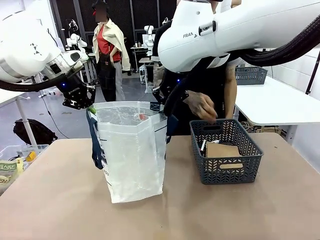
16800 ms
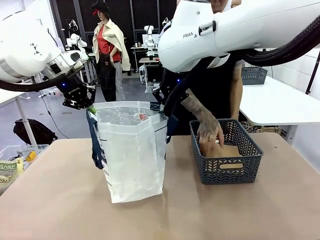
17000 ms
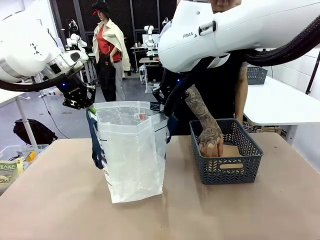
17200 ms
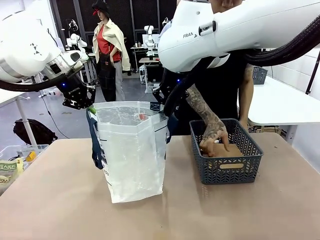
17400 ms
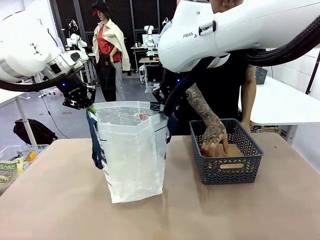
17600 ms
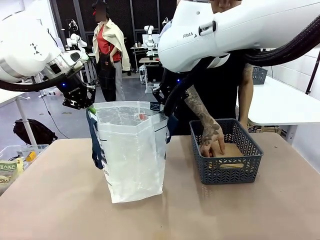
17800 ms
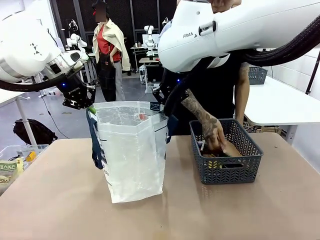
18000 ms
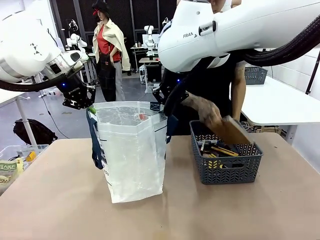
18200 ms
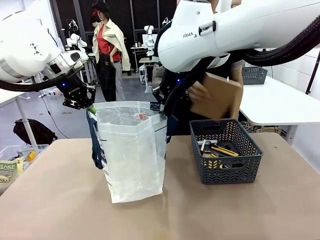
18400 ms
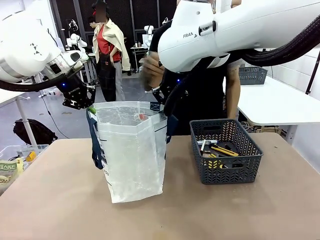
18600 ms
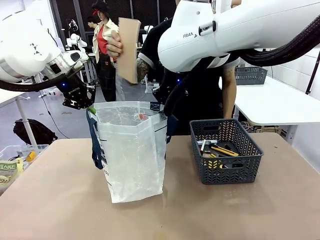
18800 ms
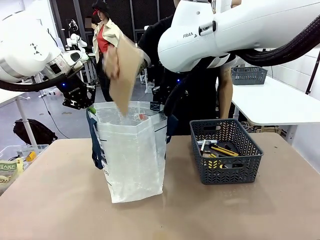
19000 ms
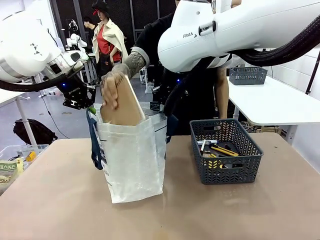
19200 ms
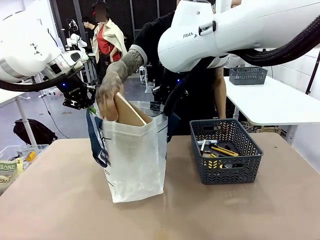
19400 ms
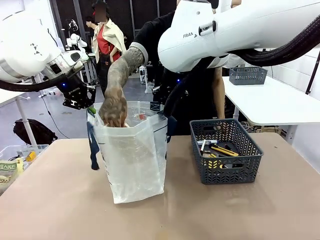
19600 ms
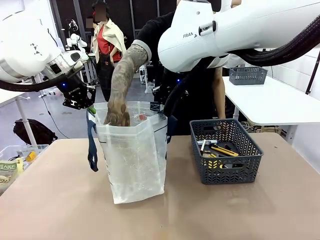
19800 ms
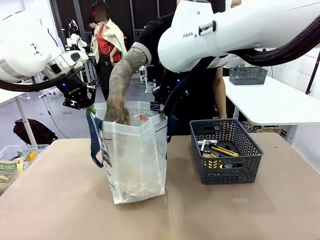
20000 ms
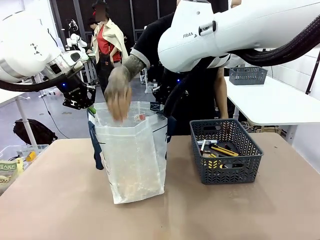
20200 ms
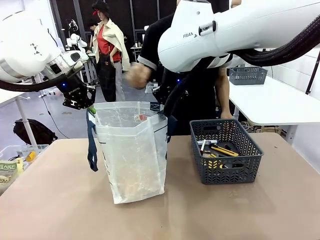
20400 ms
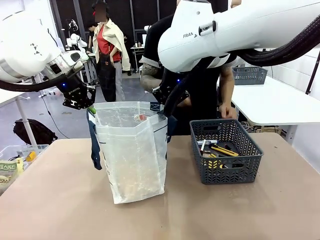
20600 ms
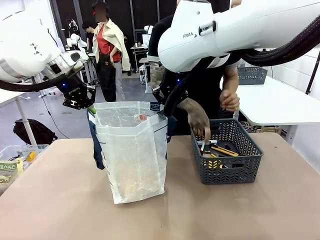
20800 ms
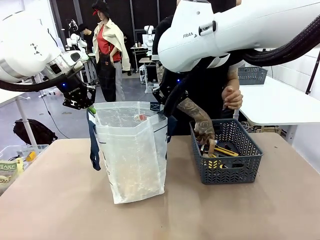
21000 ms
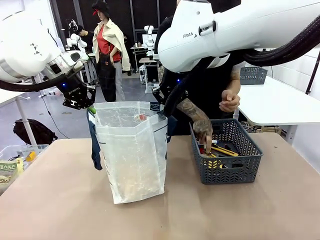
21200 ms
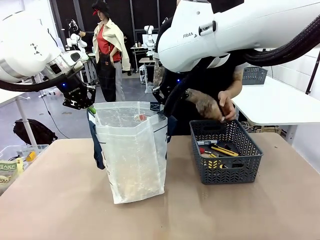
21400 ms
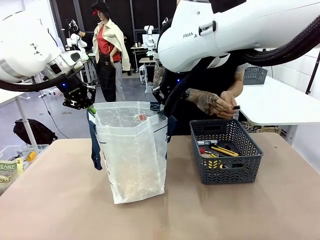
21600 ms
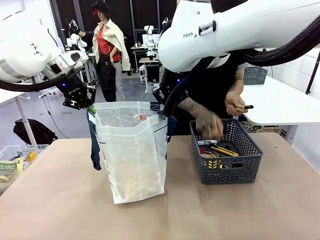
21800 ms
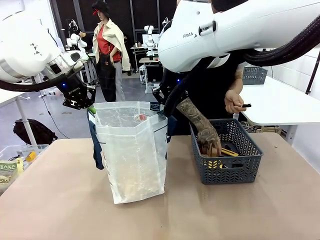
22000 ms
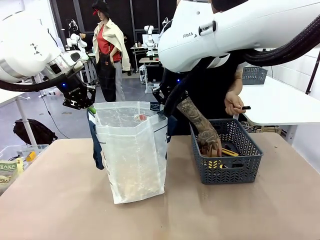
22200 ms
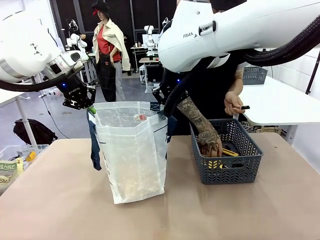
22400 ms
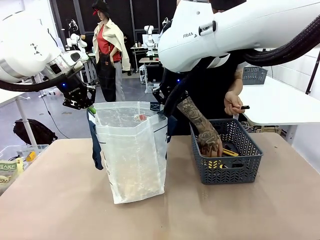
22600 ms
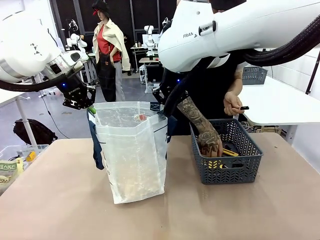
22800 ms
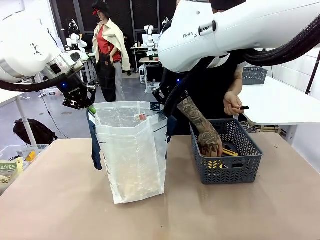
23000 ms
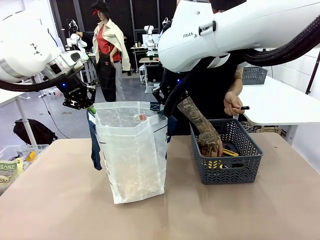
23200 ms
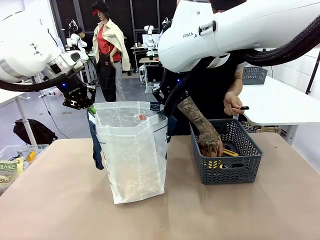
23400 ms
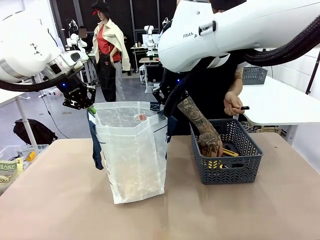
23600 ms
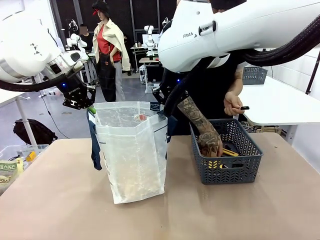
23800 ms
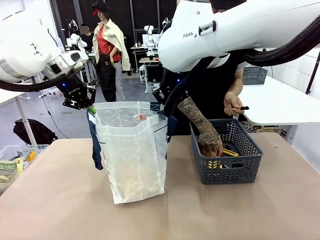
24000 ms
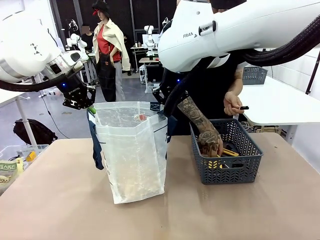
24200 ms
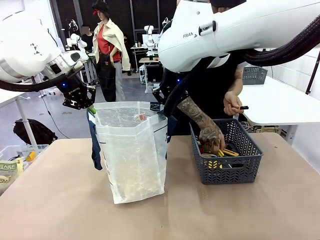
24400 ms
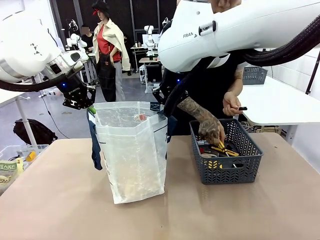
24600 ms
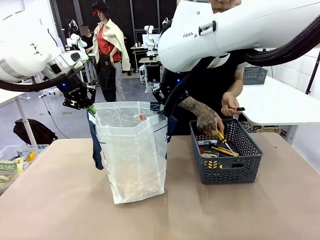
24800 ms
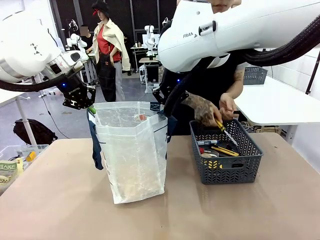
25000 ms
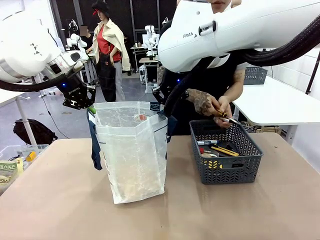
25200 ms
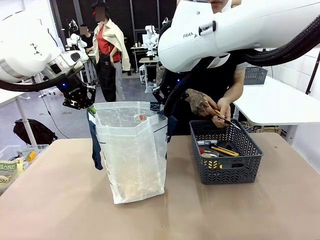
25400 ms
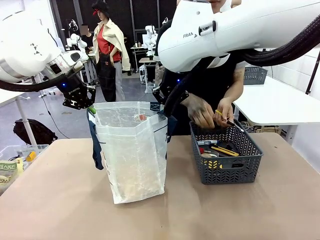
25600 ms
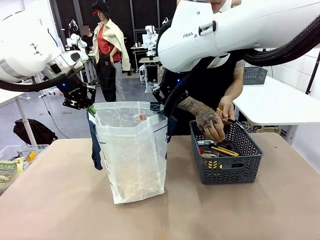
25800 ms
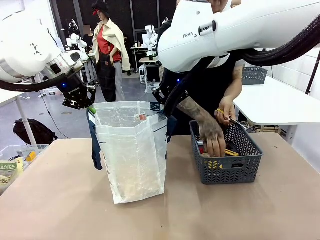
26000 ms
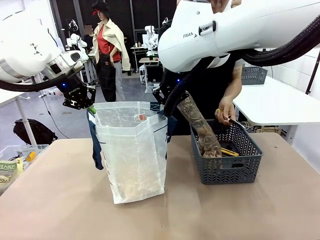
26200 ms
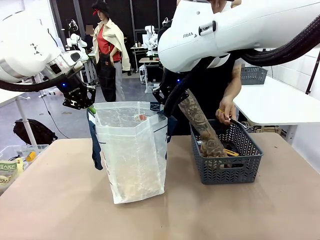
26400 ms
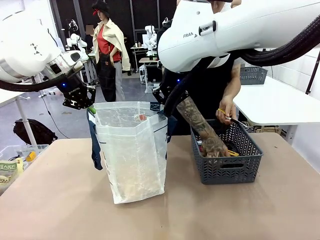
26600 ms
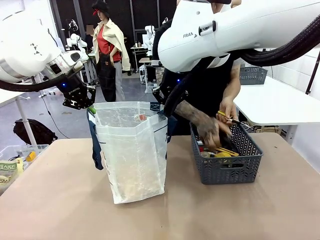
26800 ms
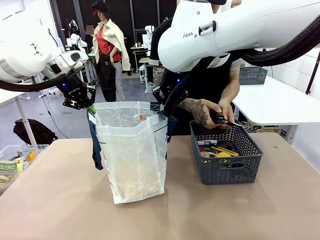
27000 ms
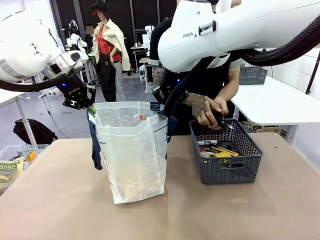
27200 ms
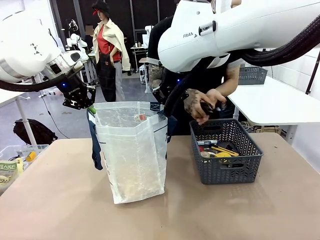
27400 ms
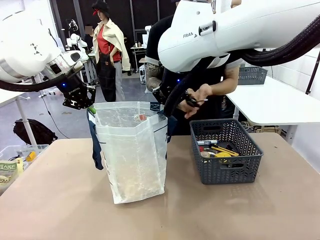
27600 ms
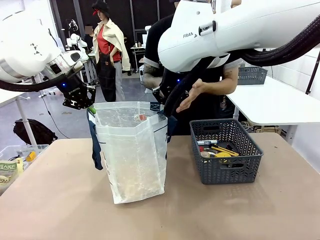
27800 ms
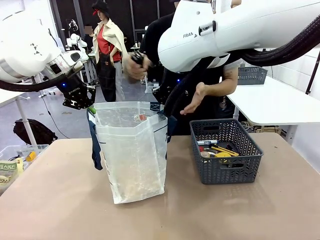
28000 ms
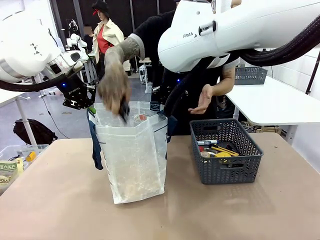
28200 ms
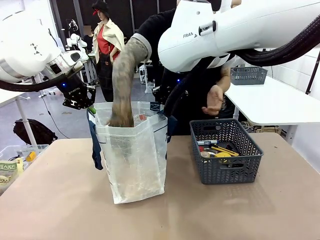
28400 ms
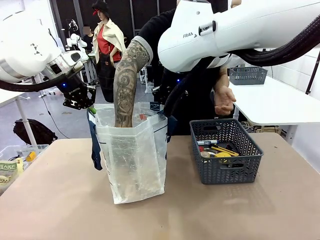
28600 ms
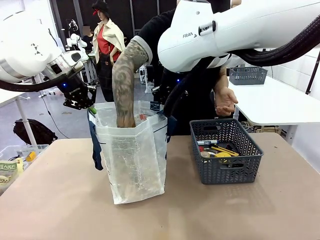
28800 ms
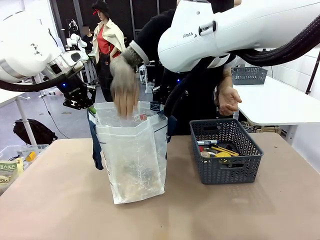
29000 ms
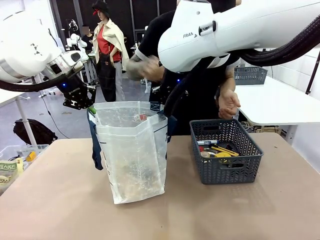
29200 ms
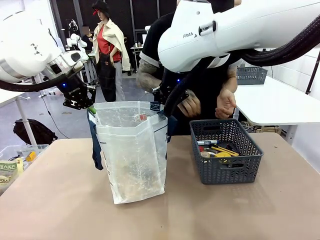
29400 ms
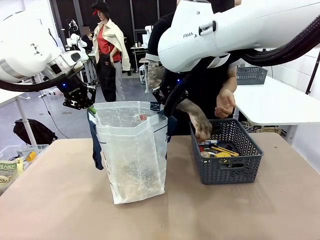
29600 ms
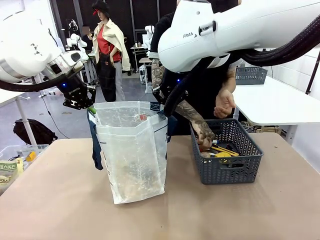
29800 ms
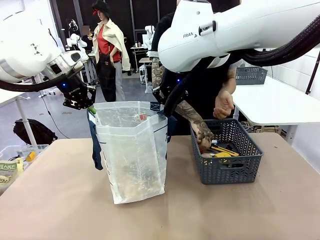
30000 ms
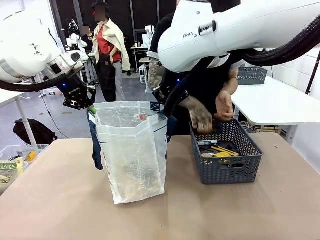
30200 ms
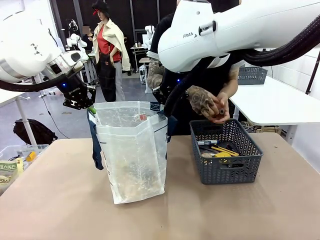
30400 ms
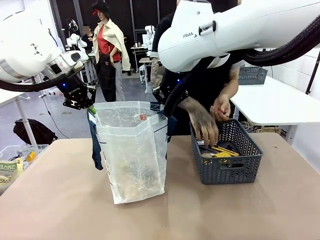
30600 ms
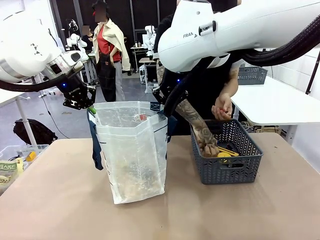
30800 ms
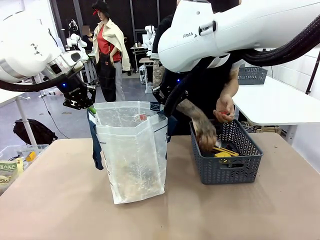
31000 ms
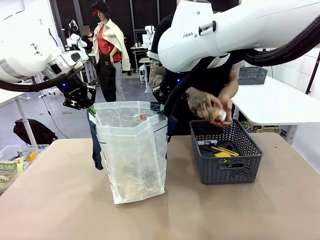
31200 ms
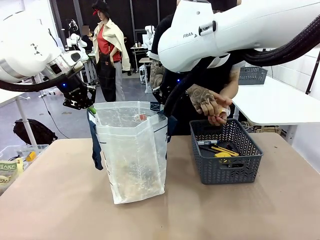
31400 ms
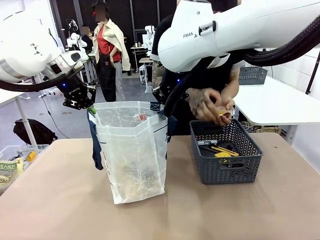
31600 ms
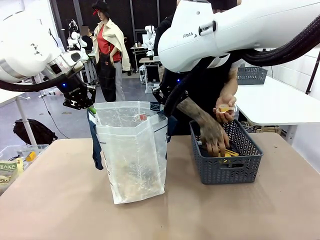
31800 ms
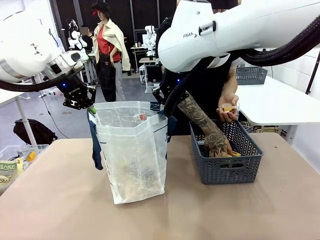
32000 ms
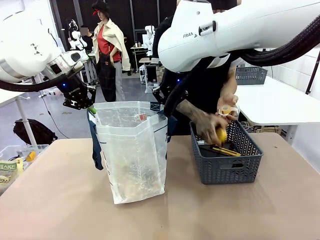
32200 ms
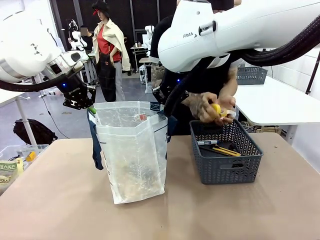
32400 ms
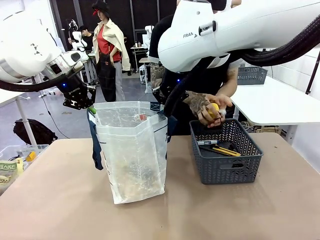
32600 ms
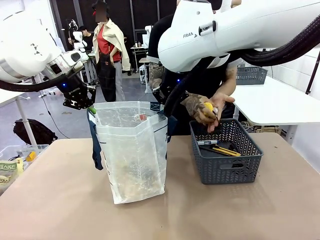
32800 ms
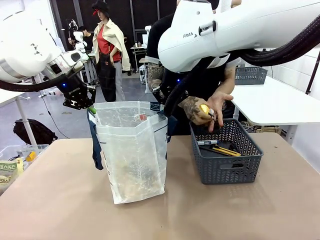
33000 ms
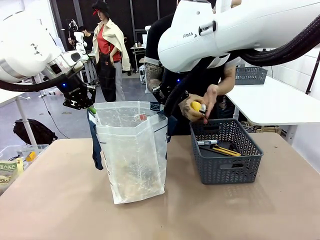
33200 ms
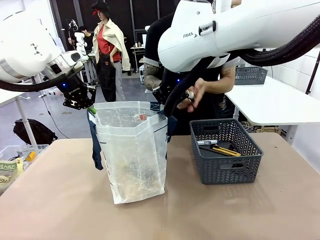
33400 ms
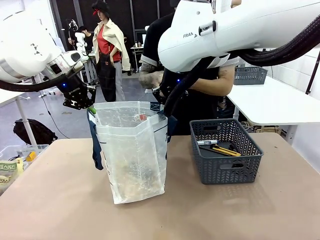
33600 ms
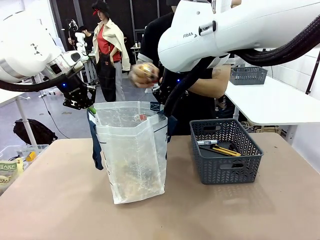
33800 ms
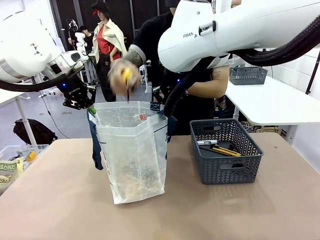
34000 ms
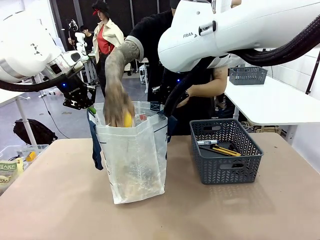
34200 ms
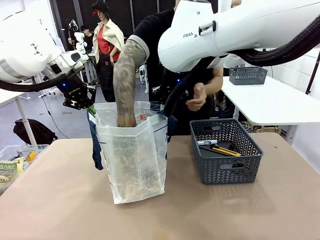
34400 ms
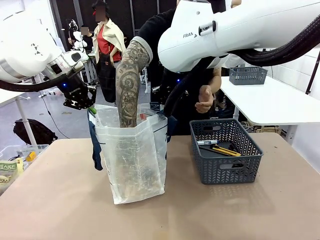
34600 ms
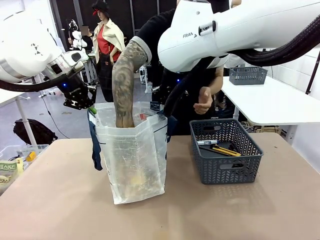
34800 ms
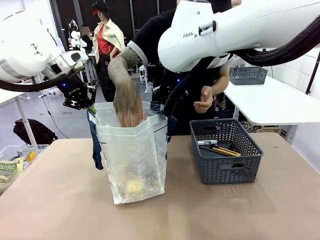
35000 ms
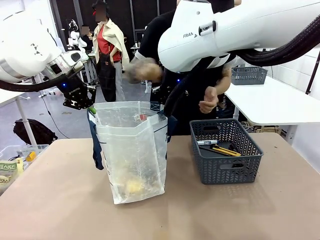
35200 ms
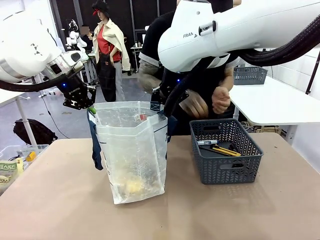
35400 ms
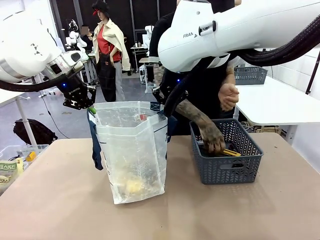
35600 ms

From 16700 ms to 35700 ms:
Task: Transfer purchased items from the store into the shopping bag.
Robot: Move the Reusable shopping bag to the right side of the table.
Person: Pick up the basket with the items out and place it on the right side of the human table.
